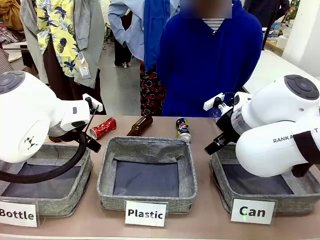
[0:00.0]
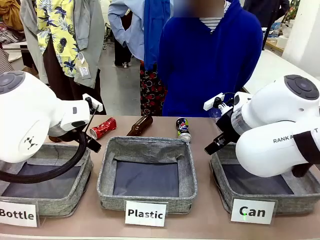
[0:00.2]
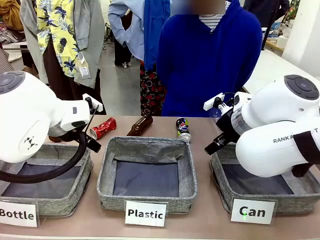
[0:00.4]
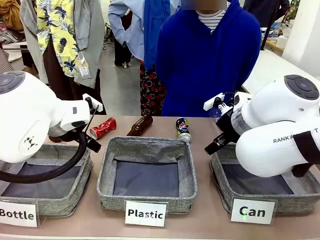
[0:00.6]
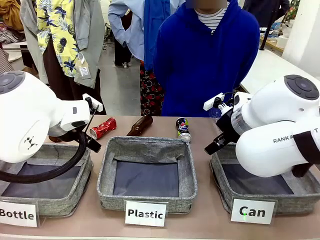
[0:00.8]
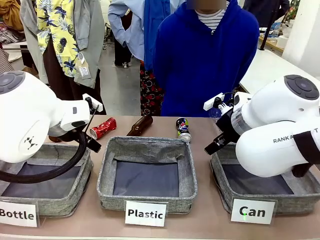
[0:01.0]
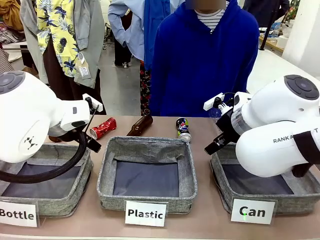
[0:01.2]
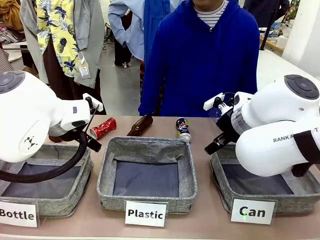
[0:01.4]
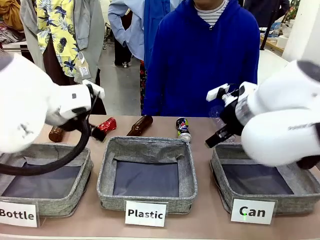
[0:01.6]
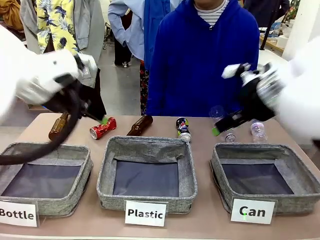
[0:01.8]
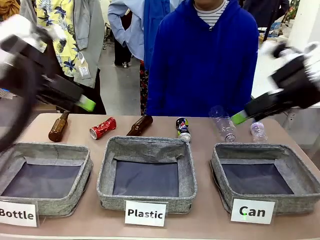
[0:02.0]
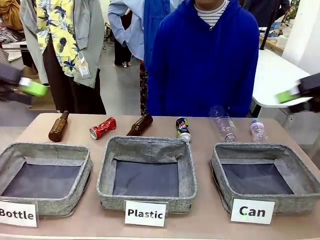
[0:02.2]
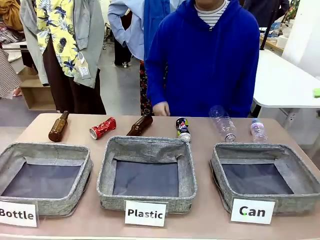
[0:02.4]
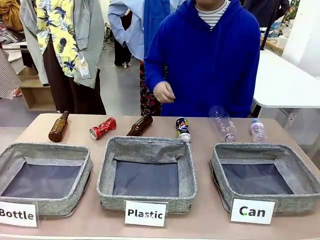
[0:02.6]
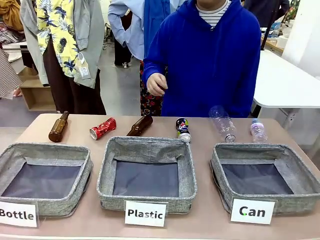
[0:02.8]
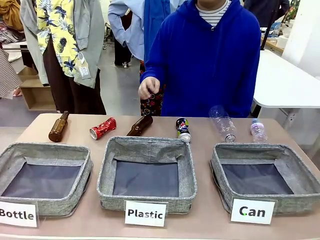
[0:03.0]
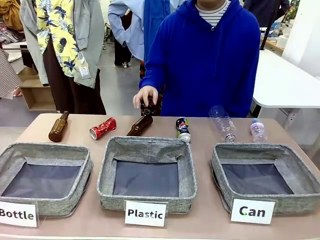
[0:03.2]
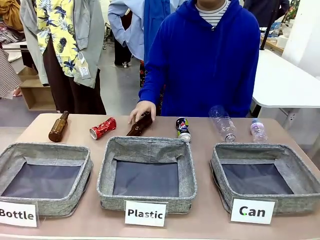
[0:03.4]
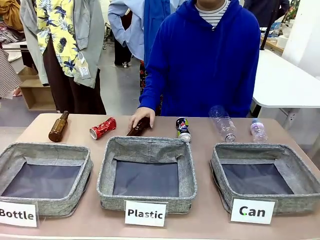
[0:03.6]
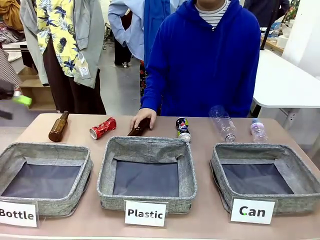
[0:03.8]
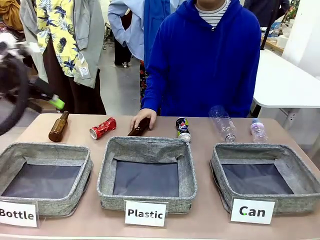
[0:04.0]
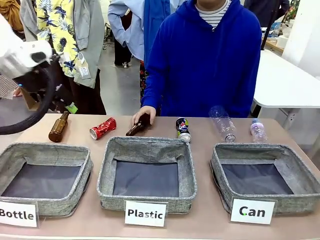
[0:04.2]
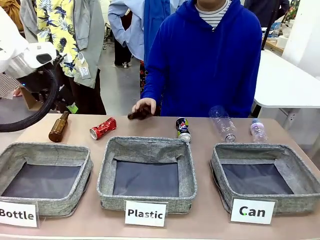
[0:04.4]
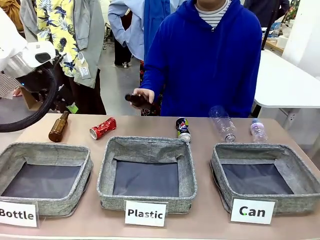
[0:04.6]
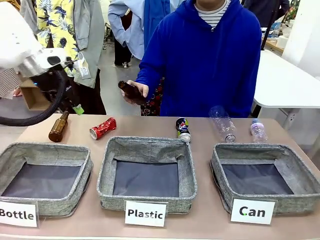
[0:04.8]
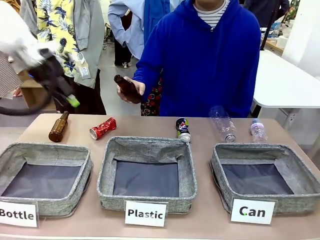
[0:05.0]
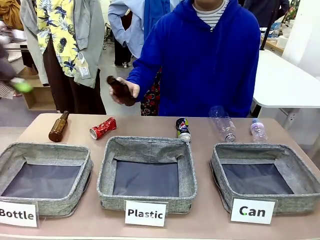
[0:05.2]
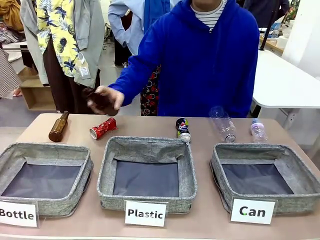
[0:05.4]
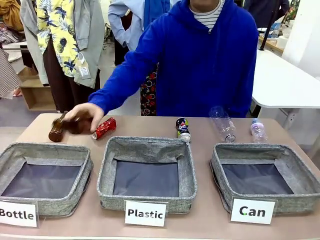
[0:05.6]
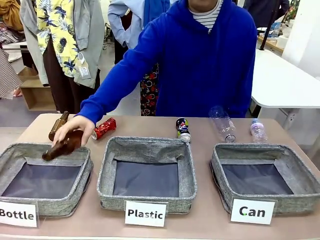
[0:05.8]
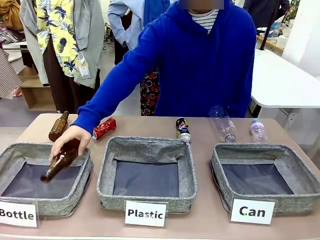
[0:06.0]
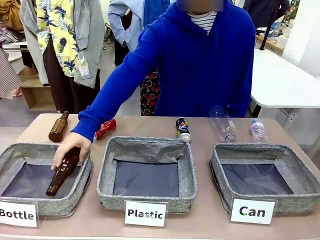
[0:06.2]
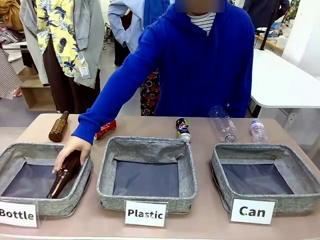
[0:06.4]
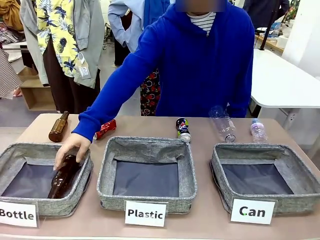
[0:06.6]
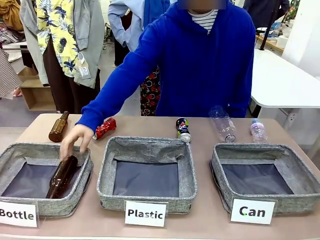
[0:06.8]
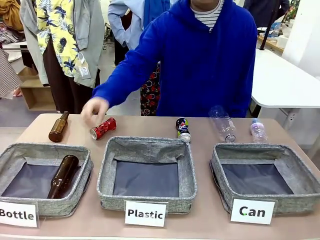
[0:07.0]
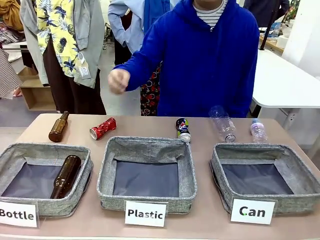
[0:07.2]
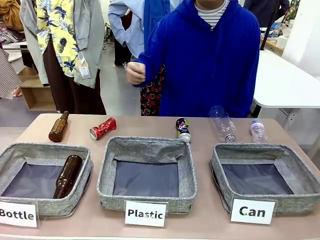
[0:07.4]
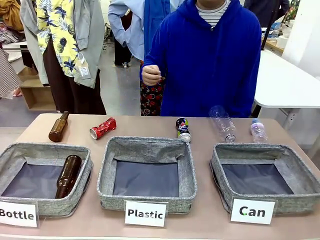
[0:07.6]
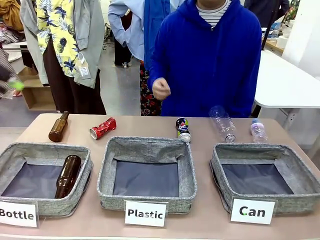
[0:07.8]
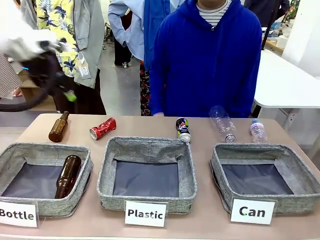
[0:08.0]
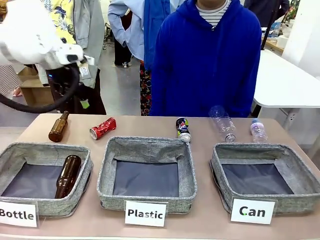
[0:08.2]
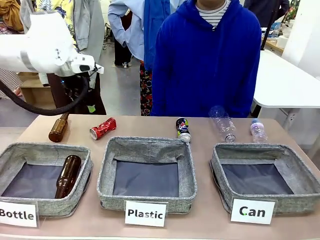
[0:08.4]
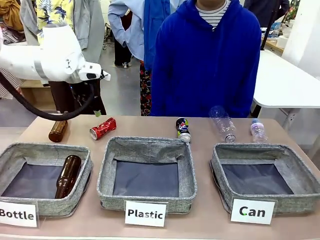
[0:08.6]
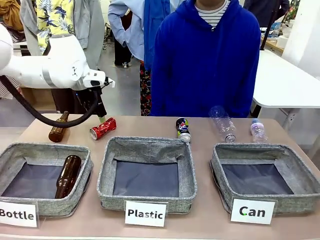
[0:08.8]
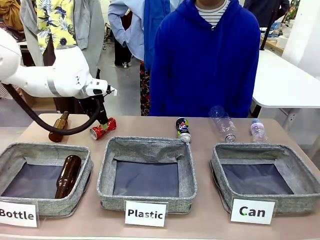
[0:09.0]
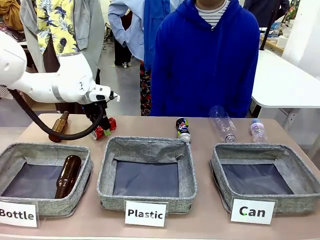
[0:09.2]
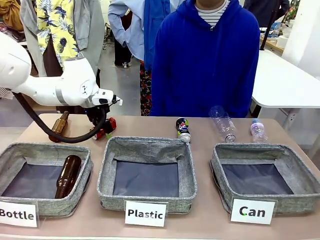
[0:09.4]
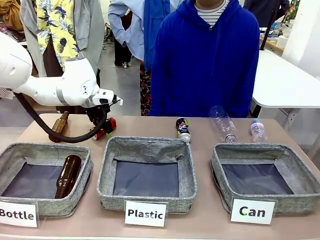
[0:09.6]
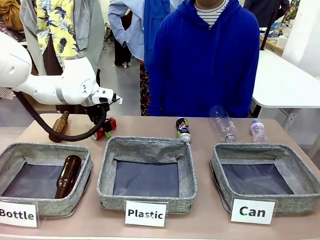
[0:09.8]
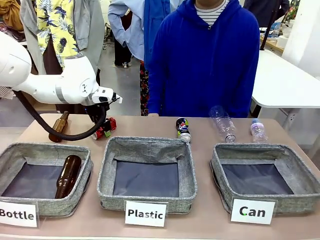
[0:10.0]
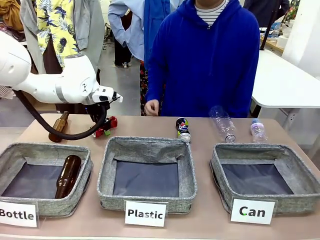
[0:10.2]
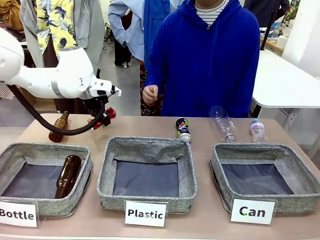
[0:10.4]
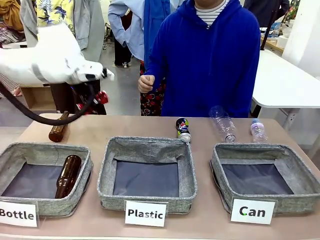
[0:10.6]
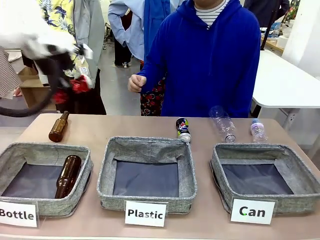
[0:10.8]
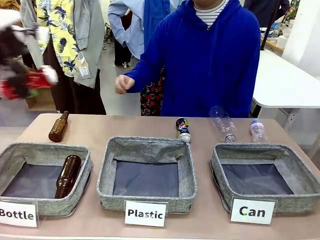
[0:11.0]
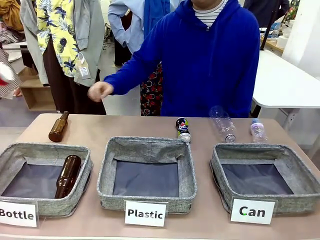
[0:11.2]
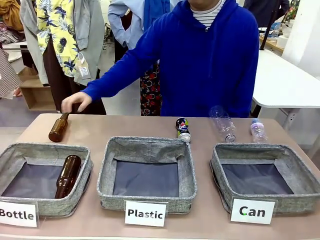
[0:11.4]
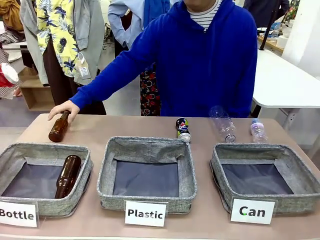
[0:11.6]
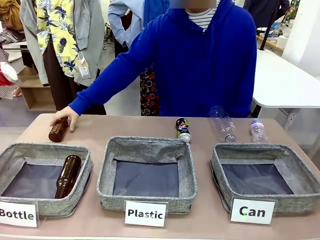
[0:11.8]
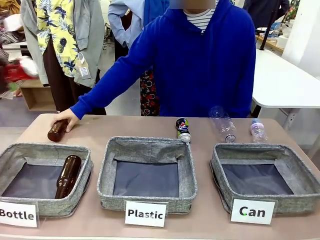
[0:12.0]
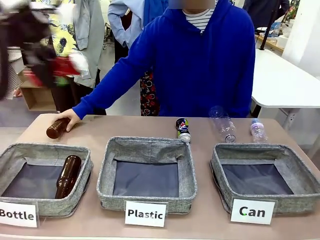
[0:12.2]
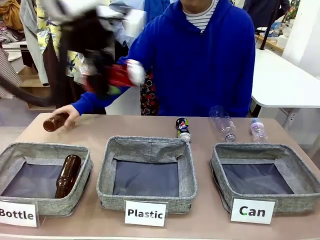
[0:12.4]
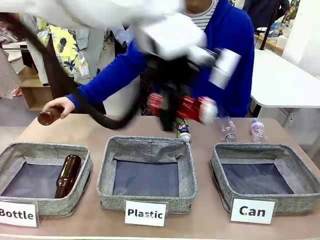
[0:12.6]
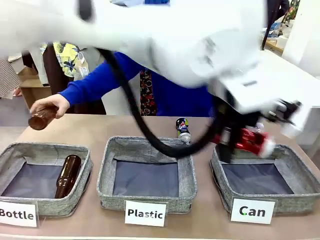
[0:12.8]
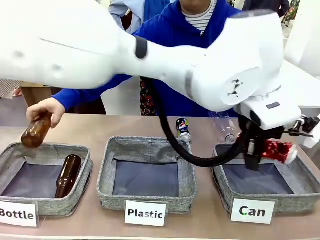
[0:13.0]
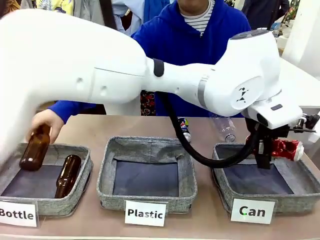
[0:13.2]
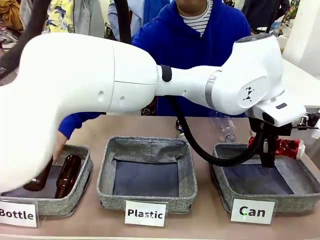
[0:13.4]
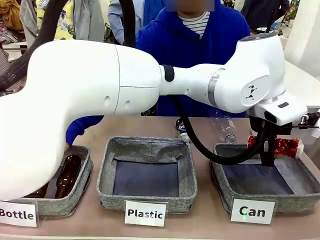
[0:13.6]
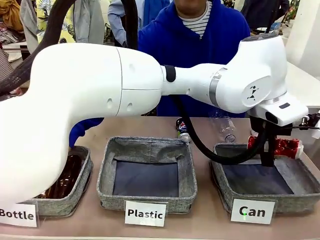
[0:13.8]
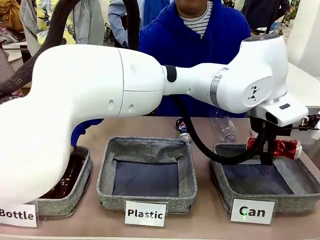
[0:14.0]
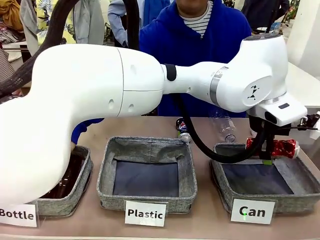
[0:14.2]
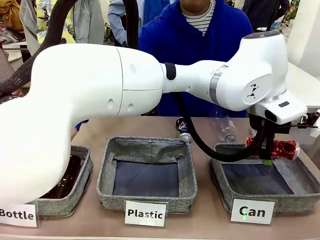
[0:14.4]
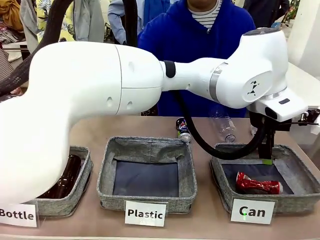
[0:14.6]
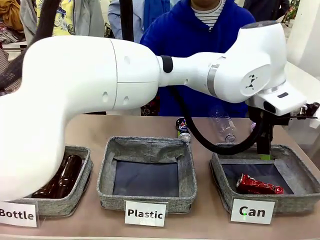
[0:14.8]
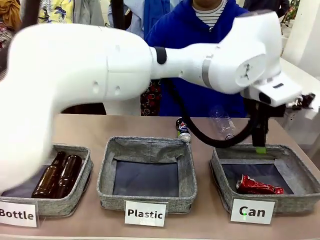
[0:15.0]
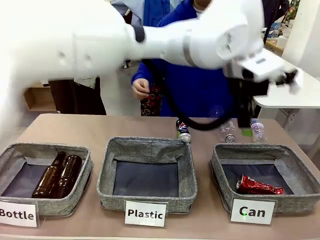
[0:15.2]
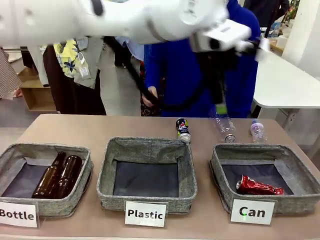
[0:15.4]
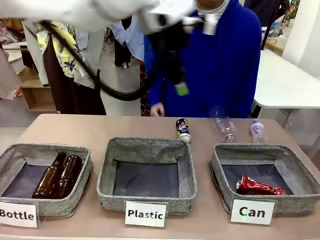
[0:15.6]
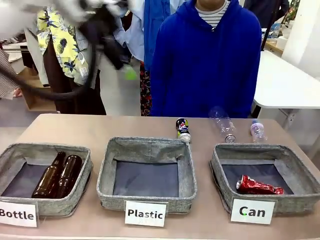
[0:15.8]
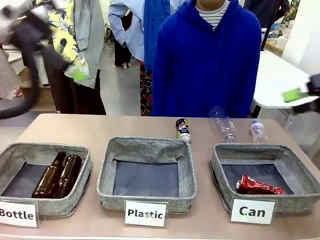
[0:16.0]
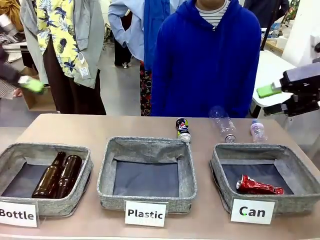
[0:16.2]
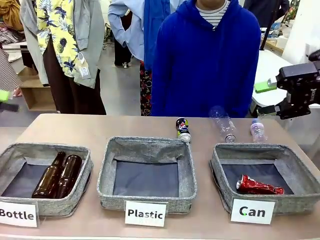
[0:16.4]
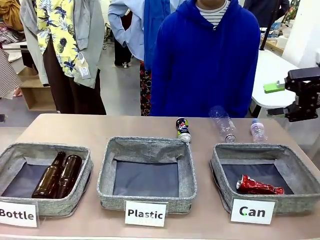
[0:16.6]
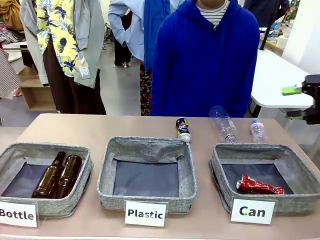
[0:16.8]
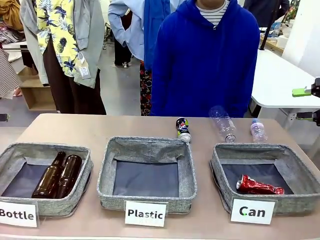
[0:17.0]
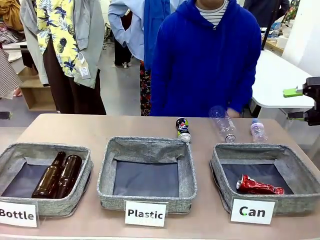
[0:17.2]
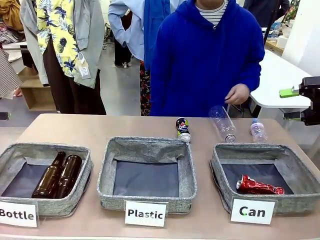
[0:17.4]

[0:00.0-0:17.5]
Task: Sort the can waste into the basket.
Robot: Pick up the can waste from the table and place it in the right Fabric basket.
